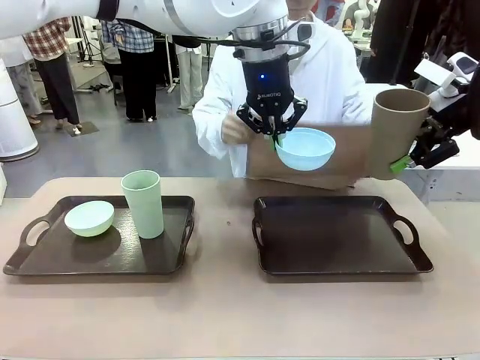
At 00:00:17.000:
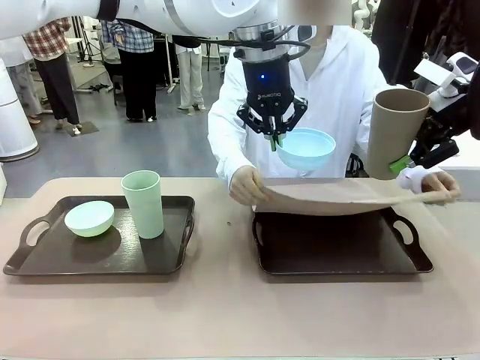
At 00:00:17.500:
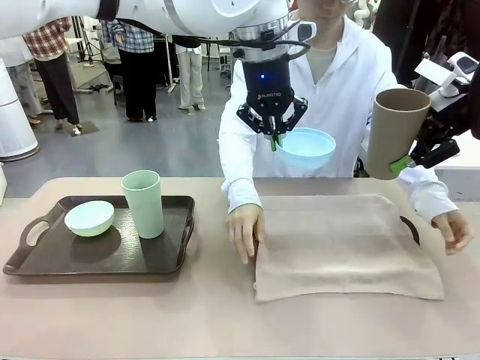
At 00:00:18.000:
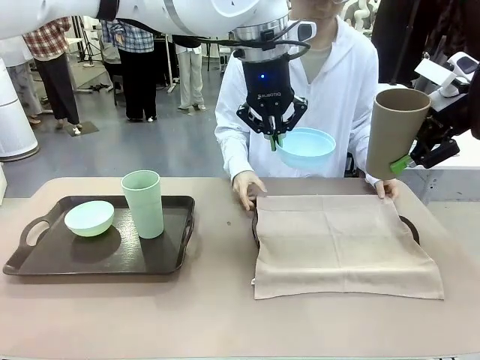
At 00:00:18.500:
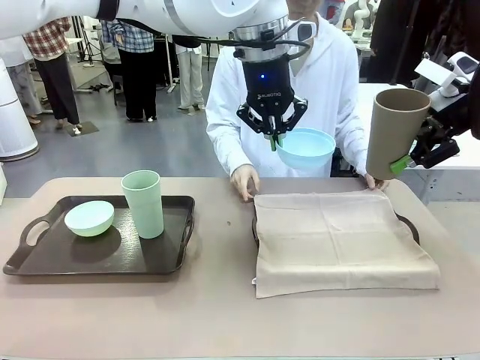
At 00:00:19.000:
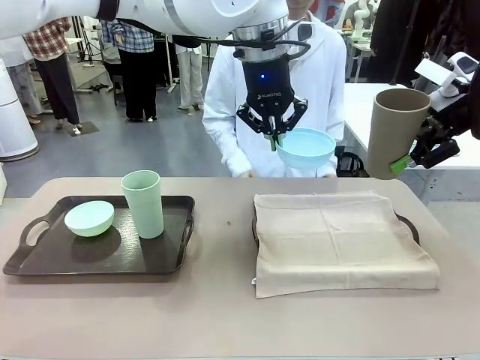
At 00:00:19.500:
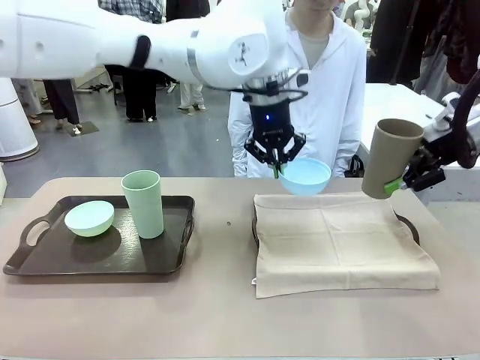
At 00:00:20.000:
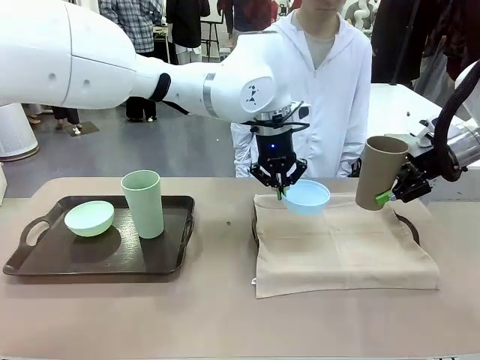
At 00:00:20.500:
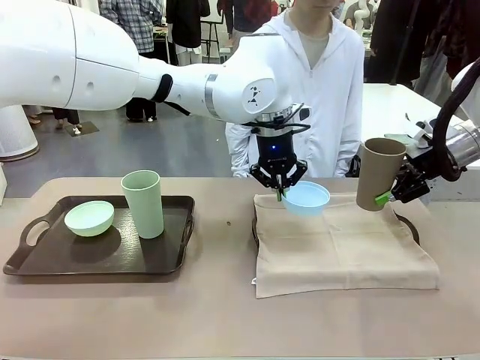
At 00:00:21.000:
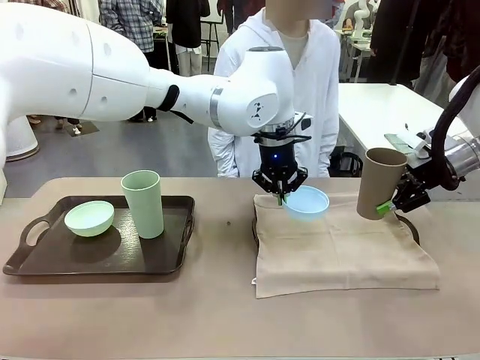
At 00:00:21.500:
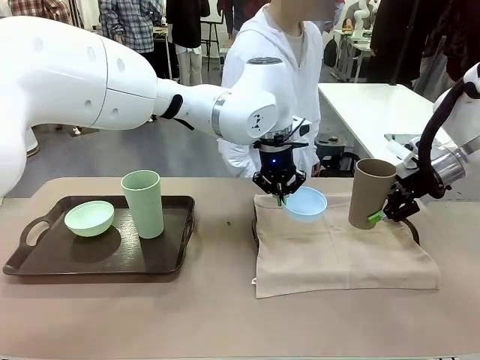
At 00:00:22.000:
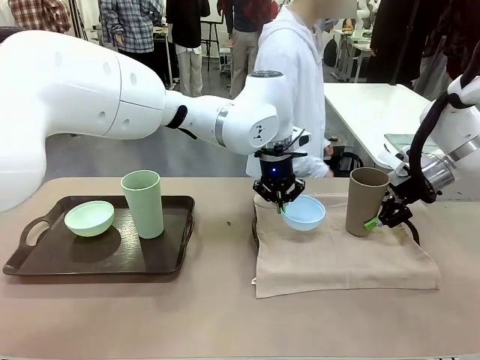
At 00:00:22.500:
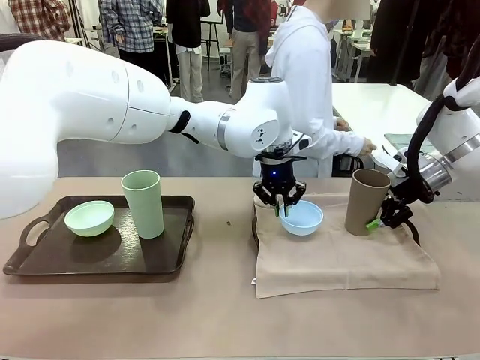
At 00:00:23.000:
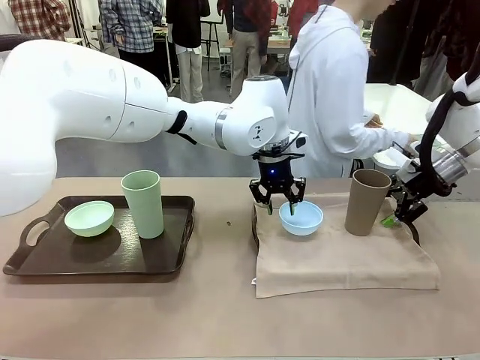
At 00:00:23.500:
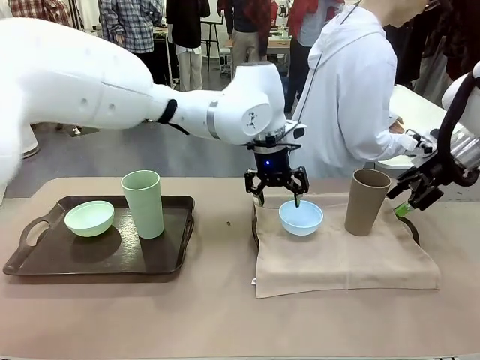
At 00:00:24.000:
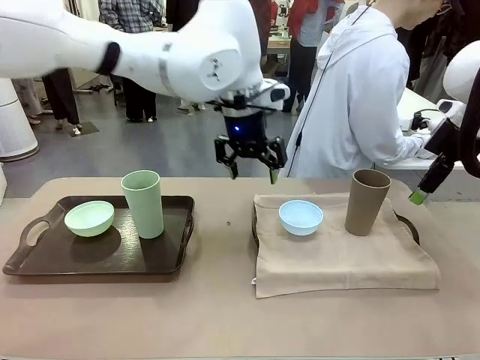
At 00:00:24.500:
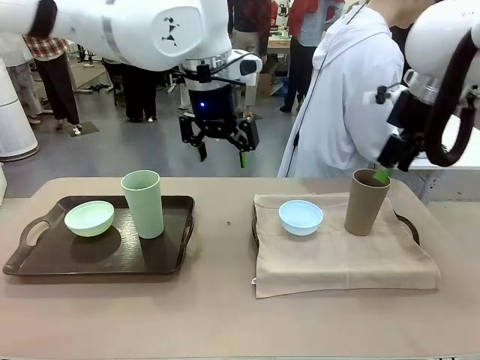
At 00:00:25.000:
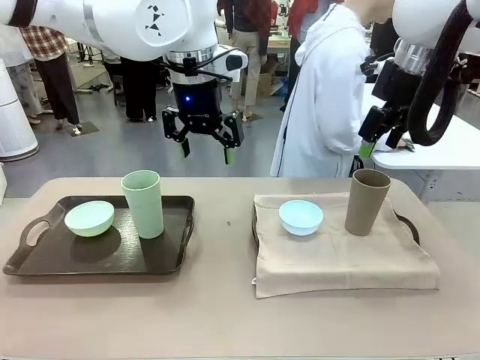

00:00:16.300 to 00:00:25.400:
Robot: Place the Picnic Bowl and Reusable plastic cup back onto the Handle tray in front of the human's position.
Person: The human returns to the human table to pick up another napkin and walks to the robot table to stand in front of the tray without a napkin.

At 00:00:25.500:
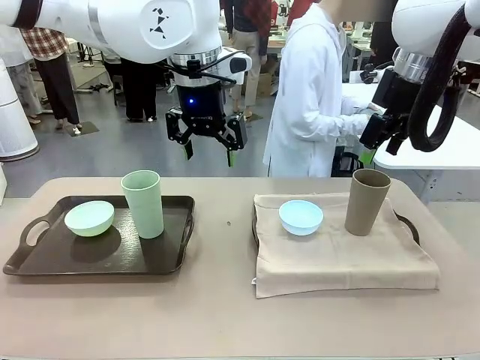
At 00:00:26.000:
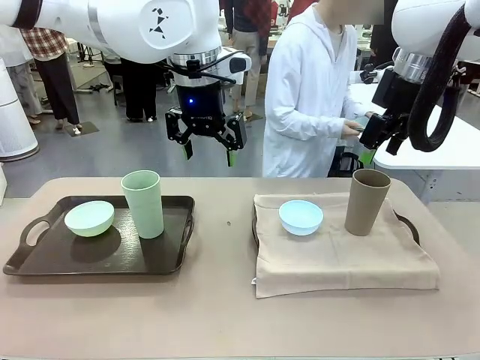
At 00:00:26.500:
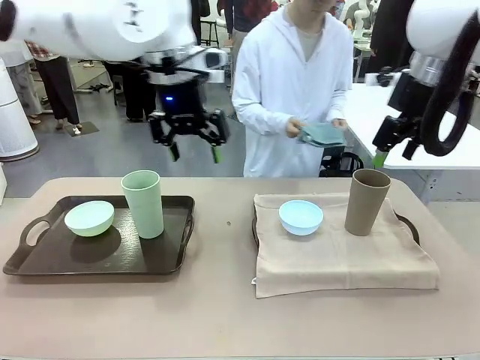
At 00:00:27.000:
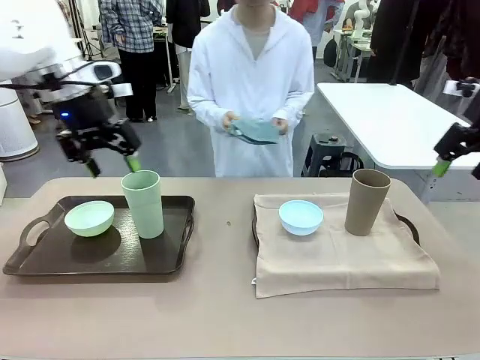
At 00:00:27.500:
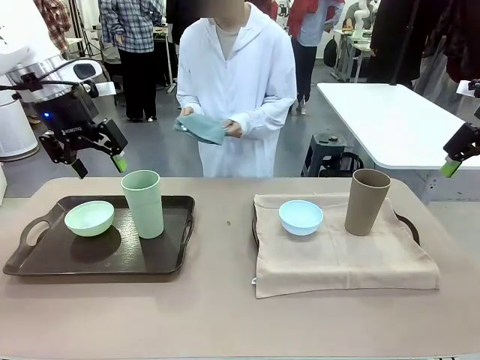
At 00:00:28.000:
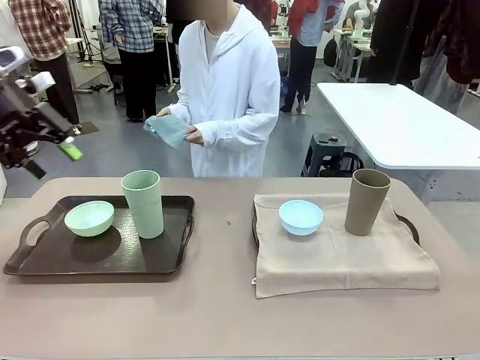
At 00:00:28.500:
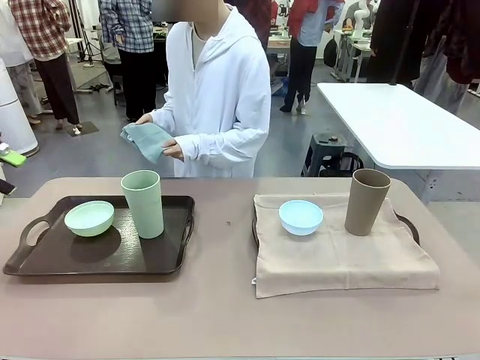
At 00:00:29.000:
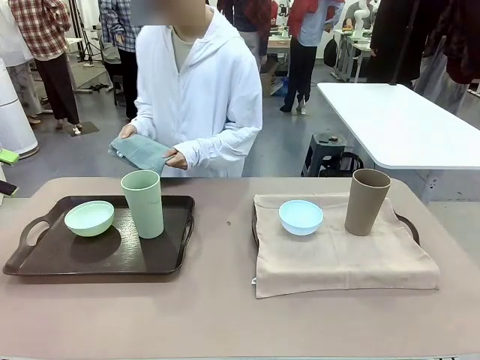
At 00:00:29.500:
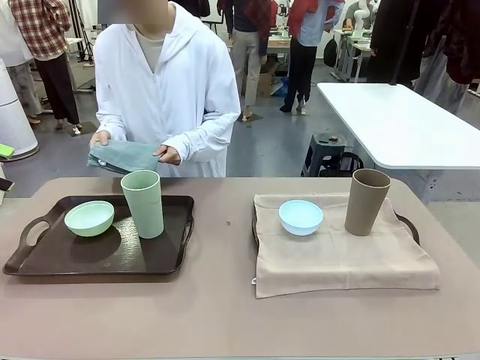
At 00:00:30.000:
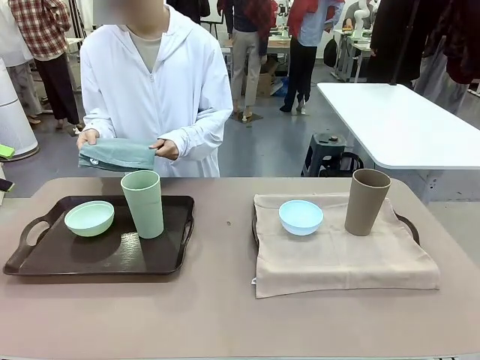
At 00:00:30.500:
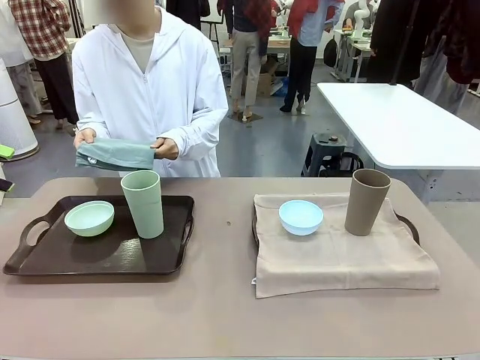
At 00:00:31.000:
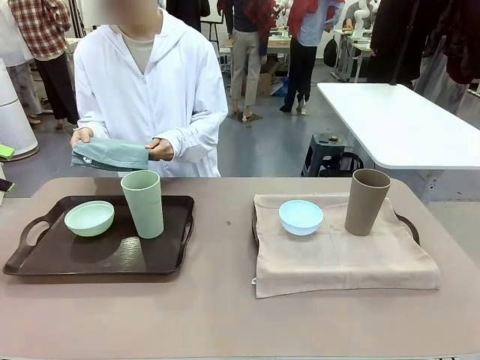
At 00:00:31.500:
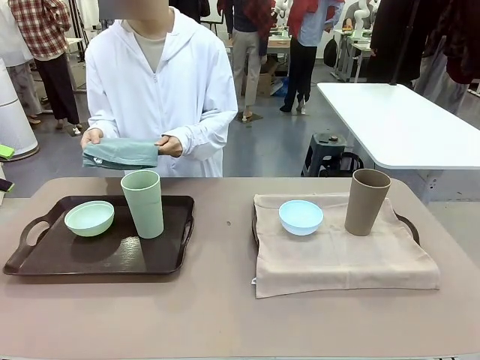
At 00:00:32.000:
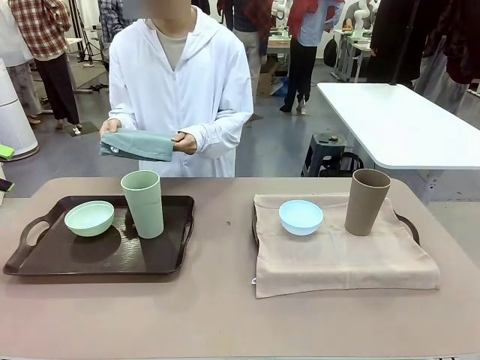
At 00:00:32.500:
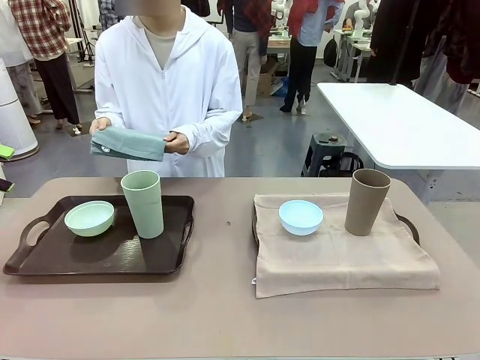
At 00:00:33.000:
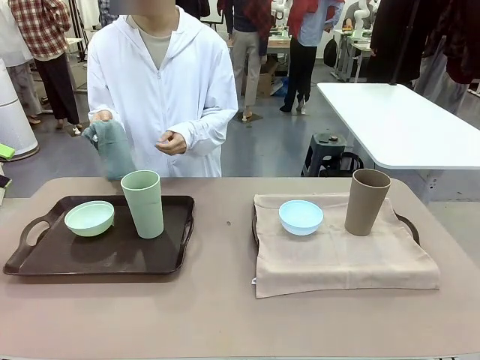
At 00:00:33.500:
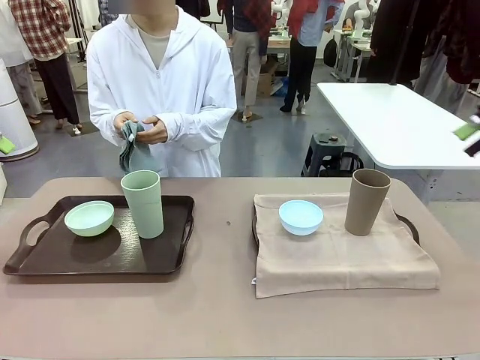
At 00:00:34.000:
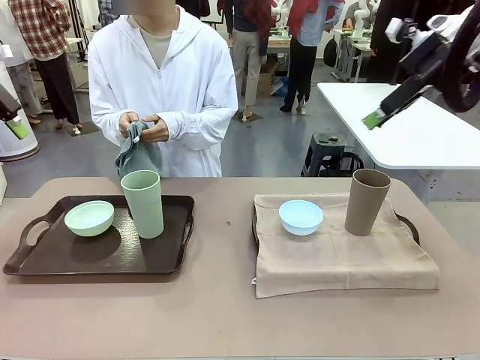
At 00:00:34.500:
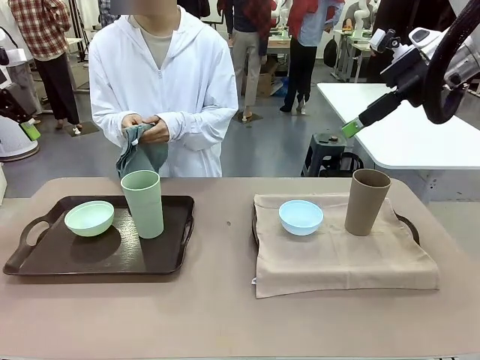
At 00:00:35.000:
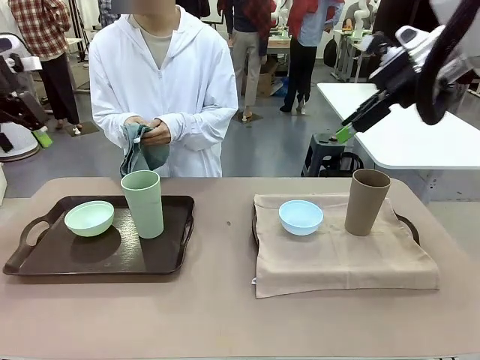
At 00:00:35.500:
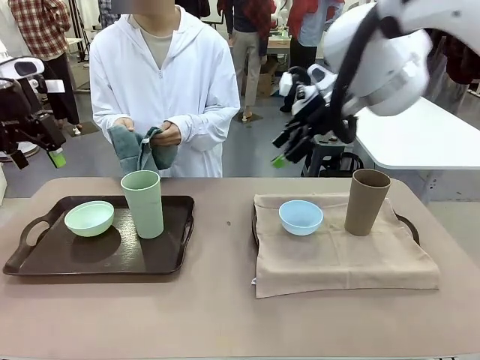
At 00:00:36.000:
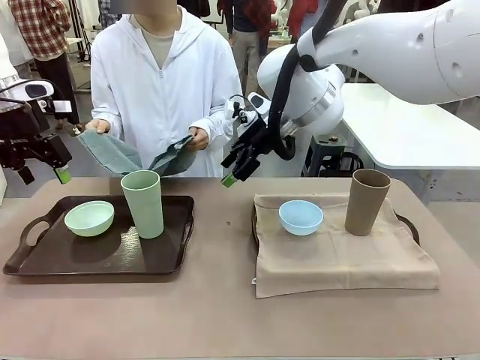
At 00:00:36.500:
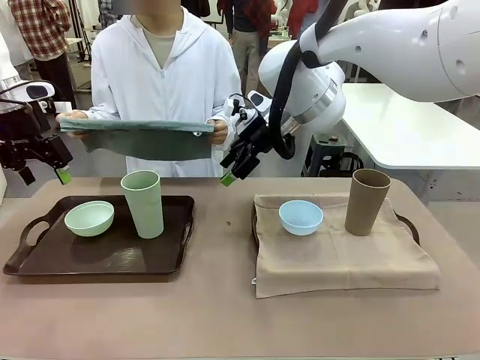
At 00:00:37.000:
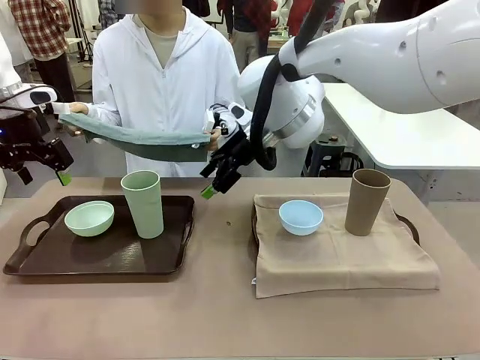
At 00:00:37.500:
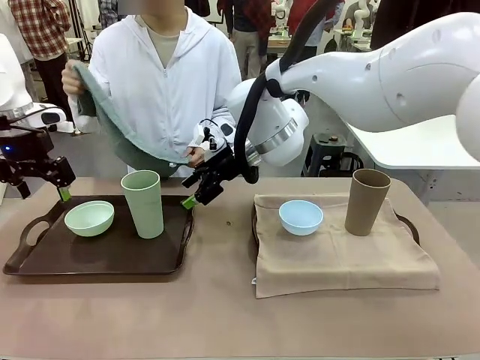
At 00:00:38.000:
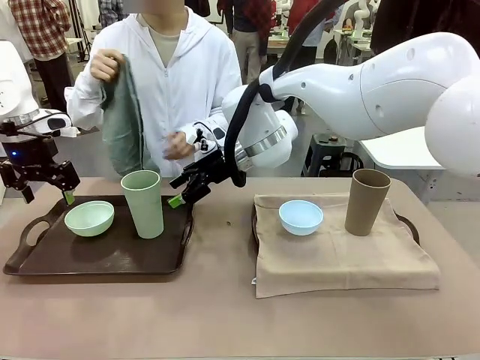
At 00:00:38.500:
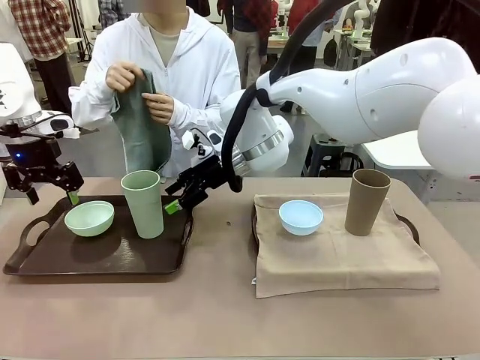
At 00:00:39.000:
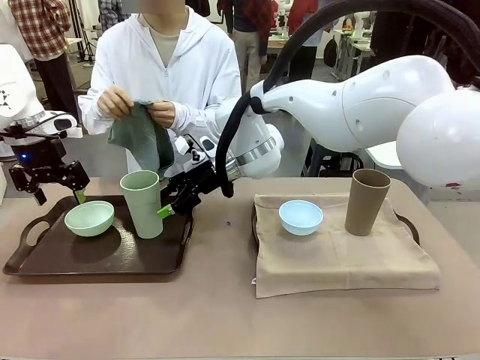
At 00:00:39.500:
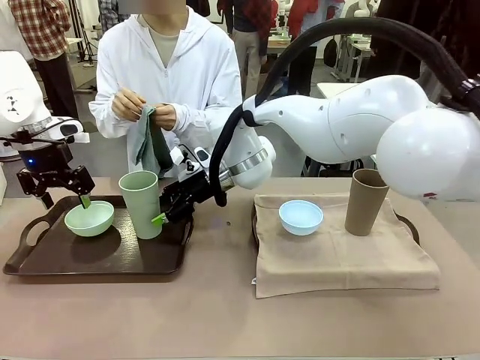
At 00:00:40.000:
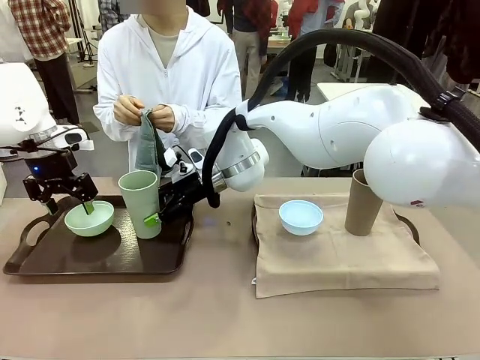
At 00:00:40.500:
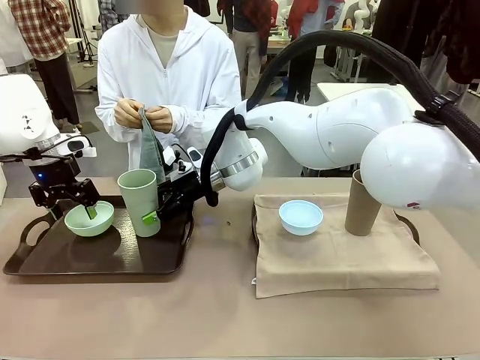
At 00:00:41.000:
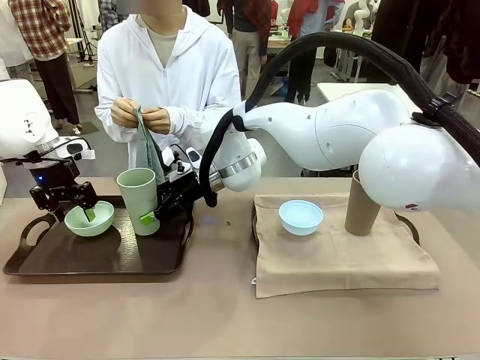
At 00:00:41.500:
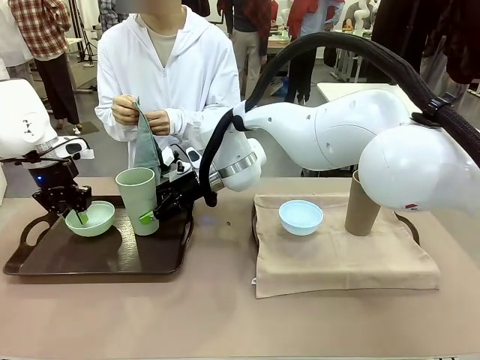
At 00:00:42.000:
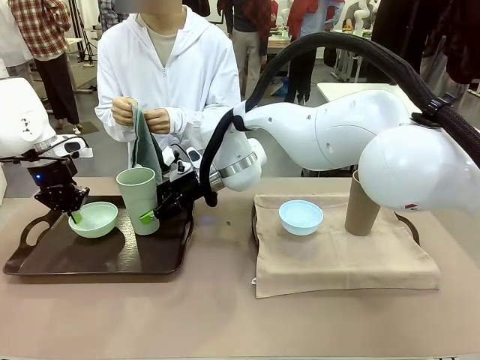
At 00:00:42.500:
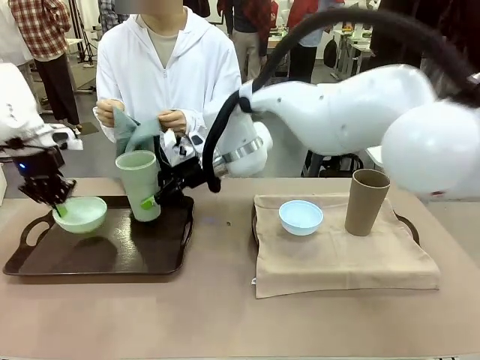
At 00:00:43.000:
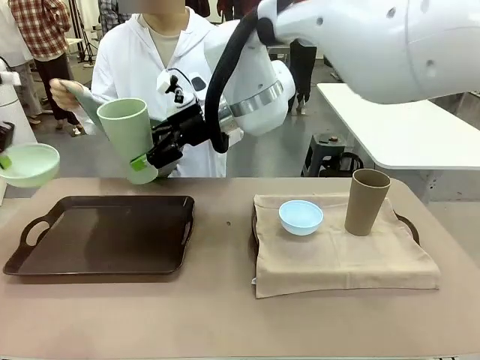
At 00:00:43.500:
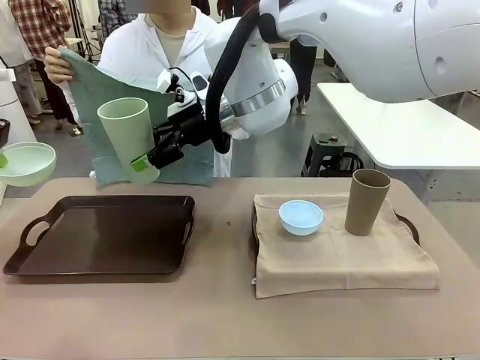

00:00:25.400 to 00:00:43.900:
Robot: Pick up the Picnic Bowl and Reusable plastic cup from the Handle tray in front of the human's position and hold them in the air.
